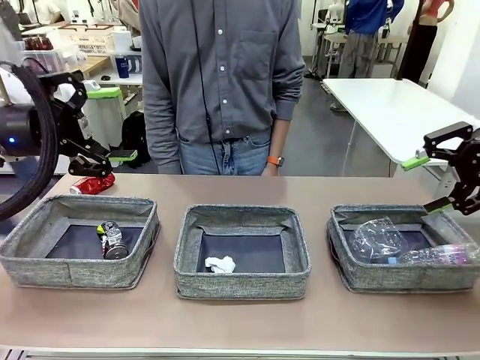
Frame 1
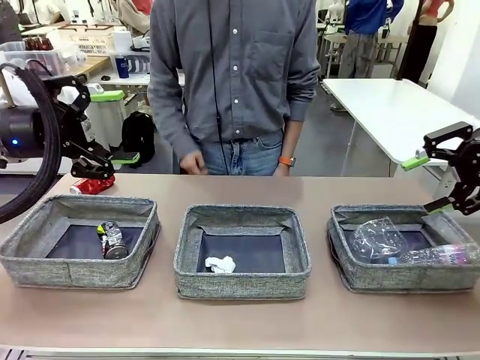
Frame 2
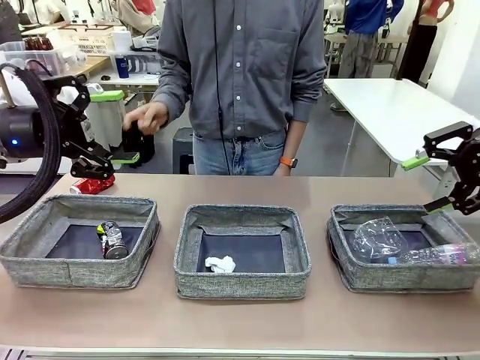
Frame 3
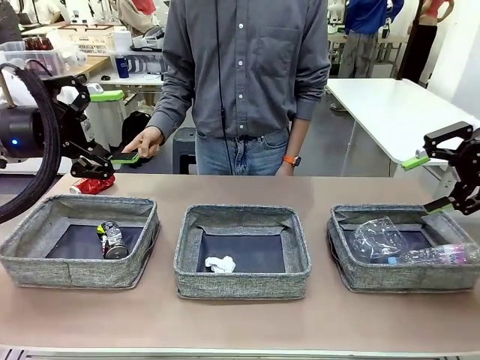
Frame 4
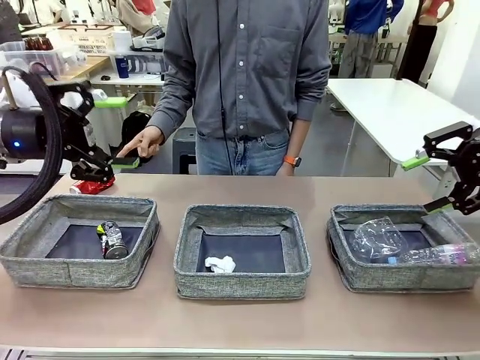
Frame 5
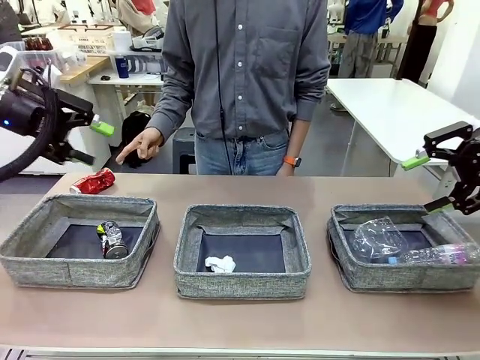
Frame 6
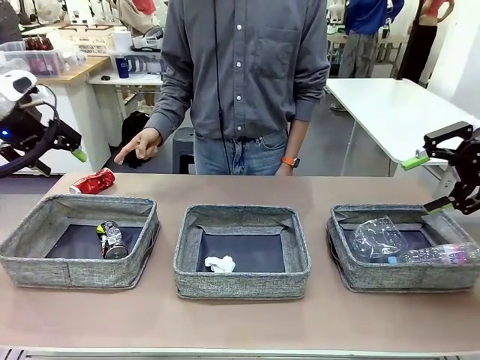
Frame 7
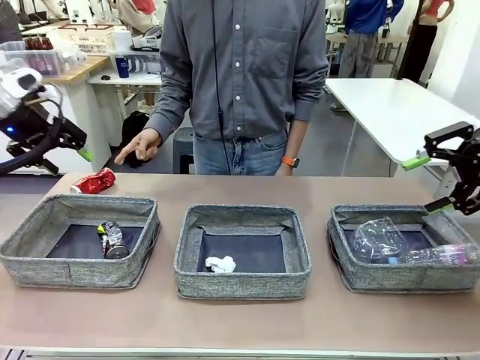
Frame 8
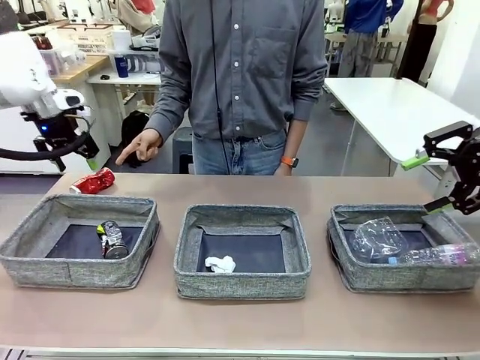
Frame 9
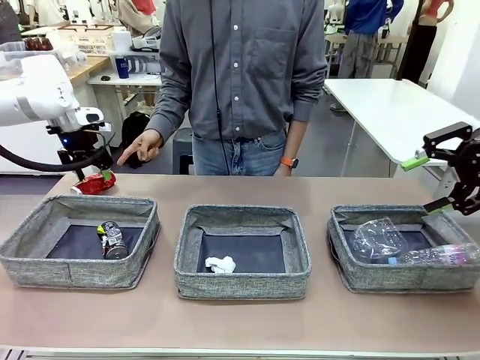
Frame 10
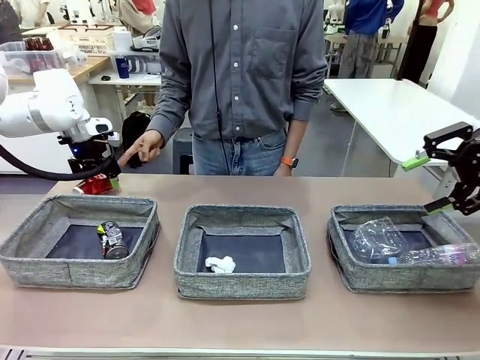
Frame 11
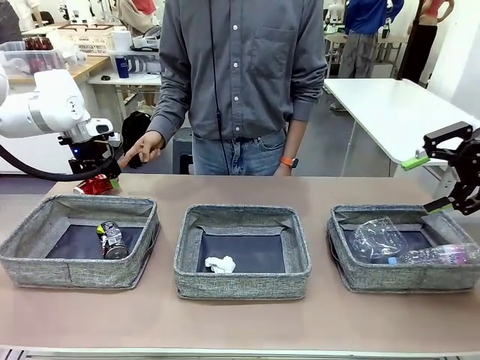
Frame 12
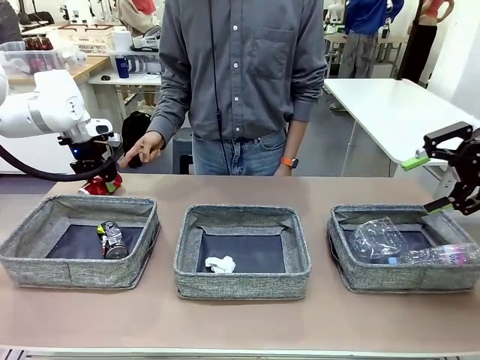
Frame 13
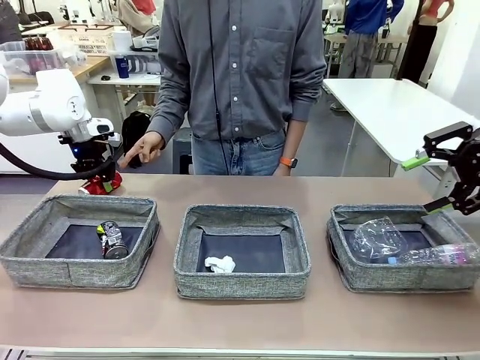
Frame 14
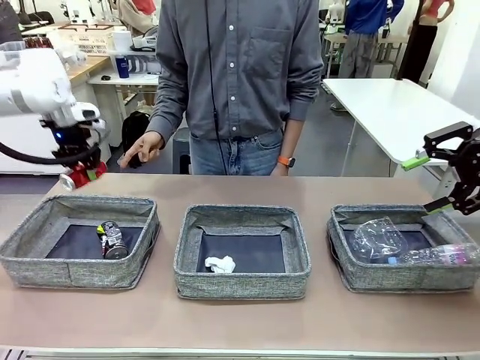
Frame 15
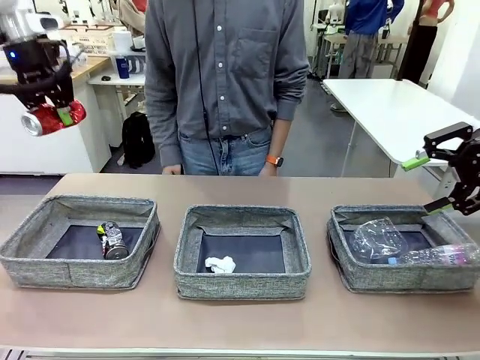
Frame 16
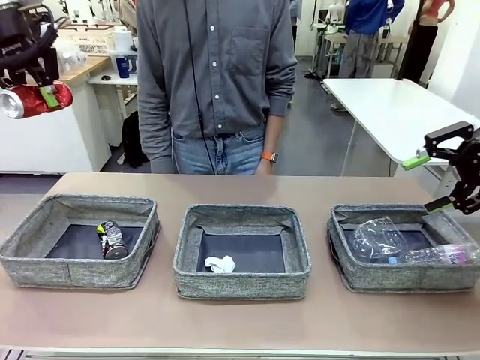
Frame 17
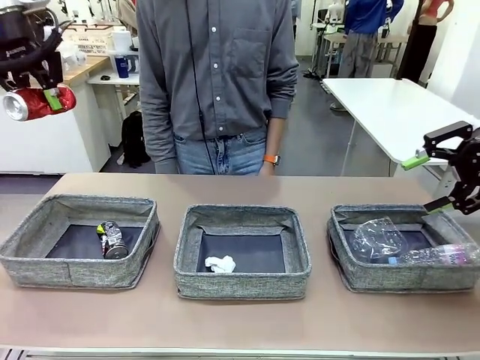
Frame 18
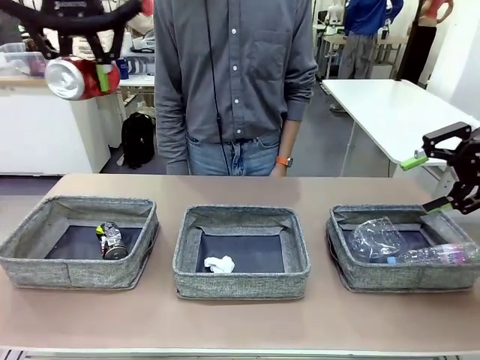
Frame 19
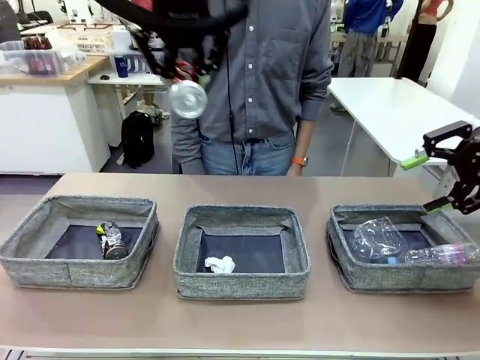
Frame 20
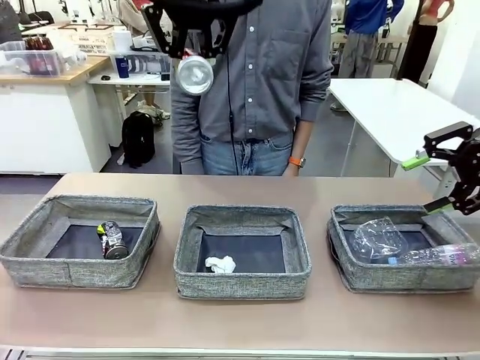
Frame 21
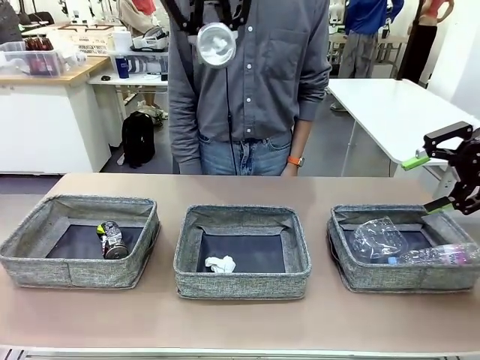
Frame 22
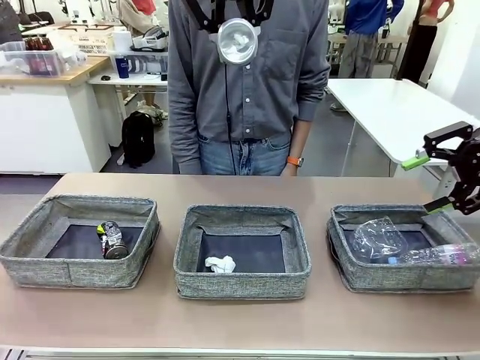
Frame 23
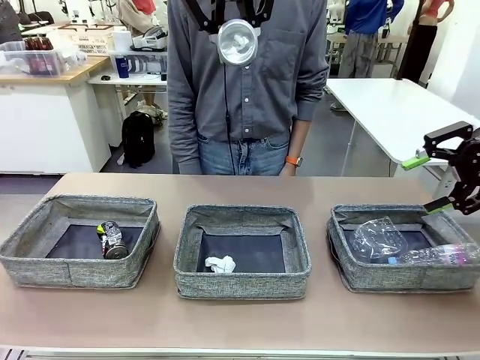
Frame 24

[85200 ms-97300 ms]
Task: Sort the waste into the appropriate baskets.
Robot: Pick up the waste item pointed out by the person.
Person: Points to one piece of trash on the table.

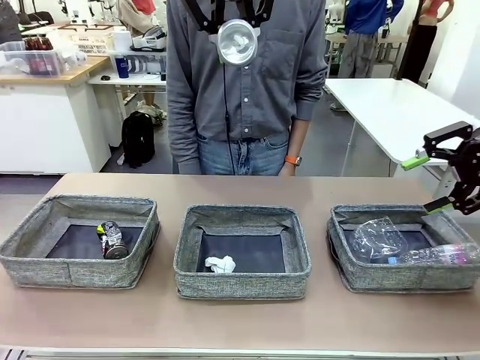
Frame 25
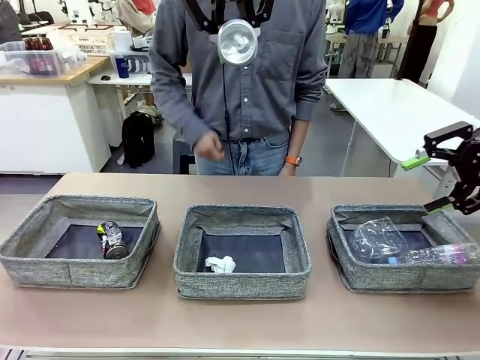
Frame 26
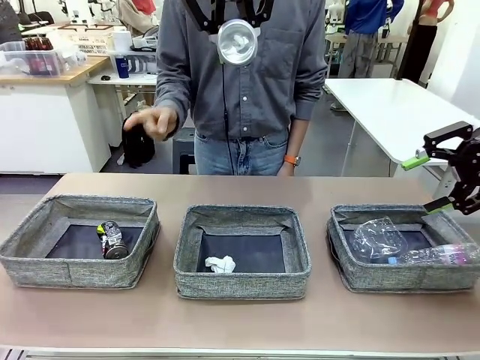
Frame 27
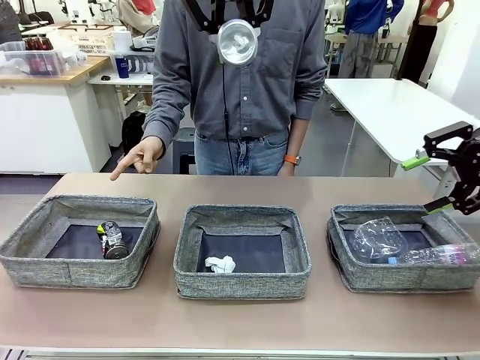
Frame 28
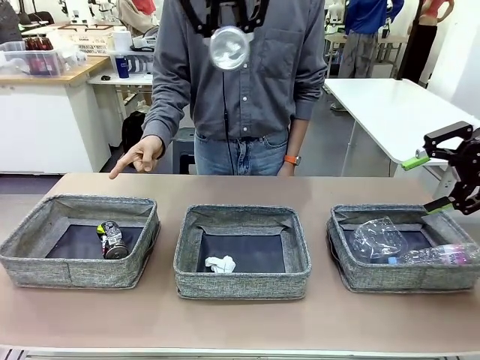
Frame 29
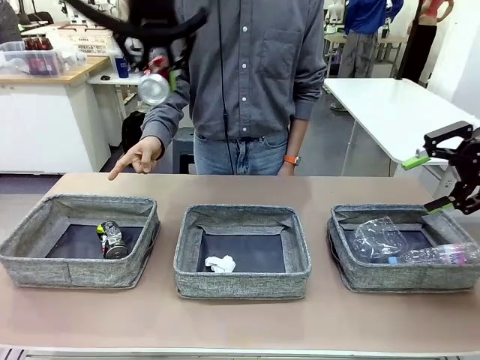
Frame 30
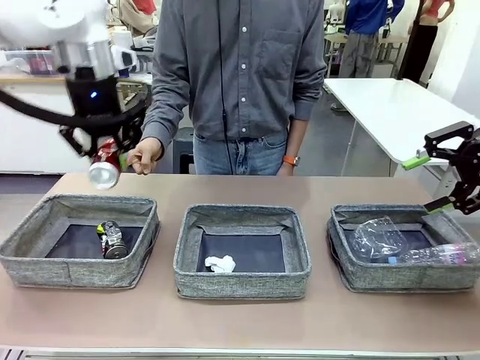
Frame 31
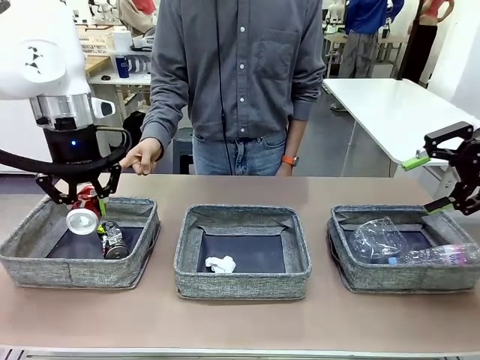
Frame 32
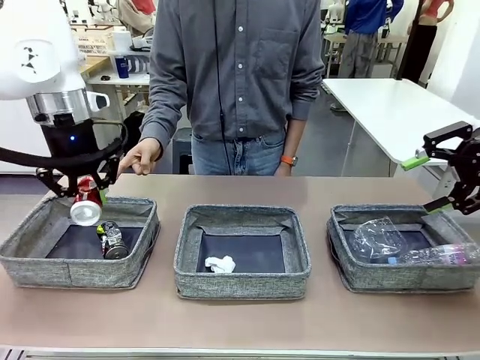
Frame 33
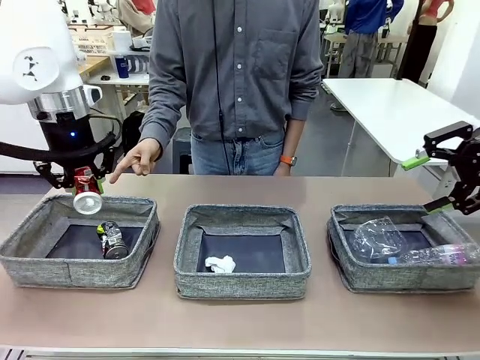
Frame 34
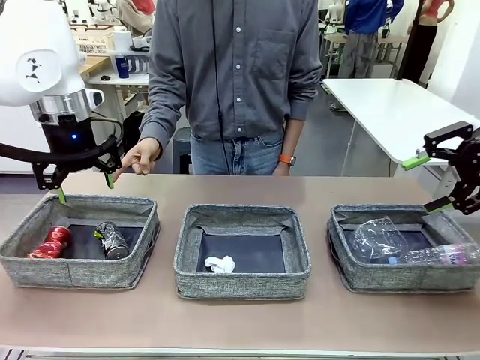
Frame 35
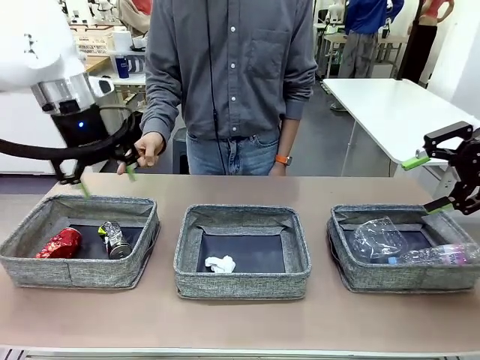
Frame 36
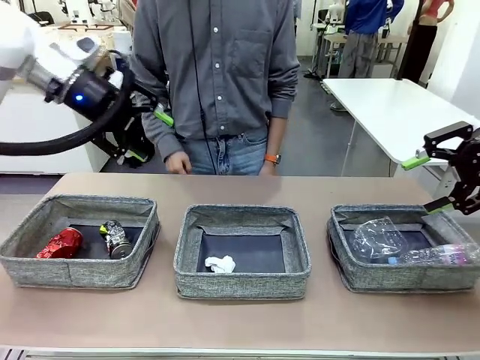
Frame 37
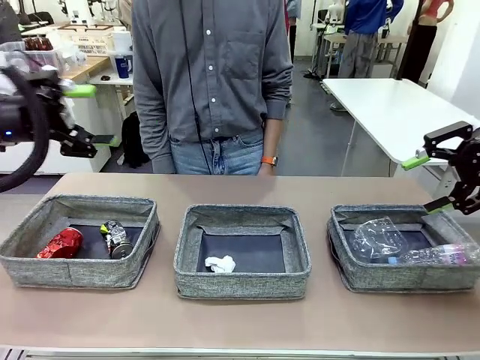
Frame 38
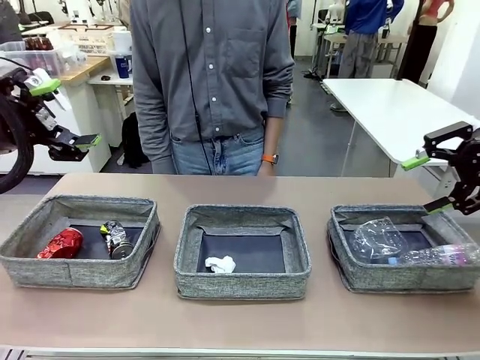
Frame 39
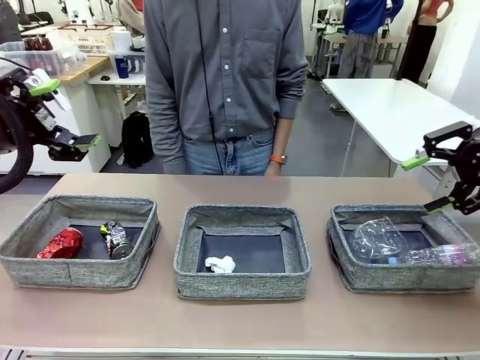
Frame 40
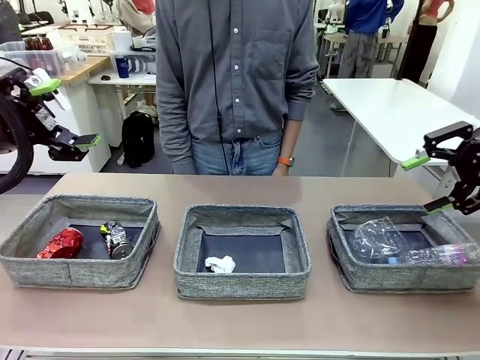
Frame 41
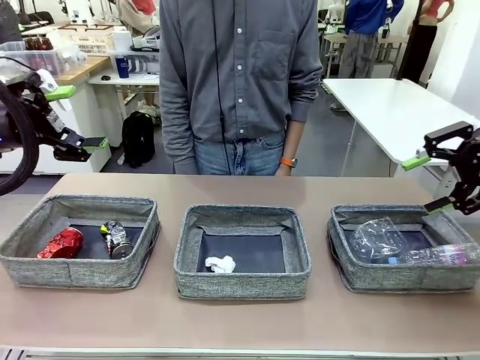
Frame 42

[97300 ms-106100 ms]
Robot: Place the picked waste into the Fabric basket indicated by the person.
Person: Instructs the robot to place the picked-up trash into the appropriate organizing basket.
